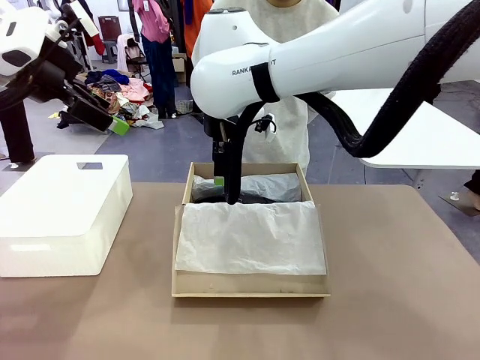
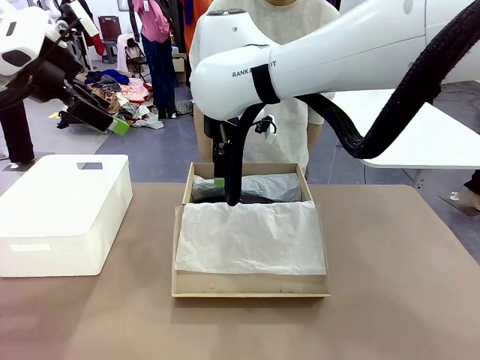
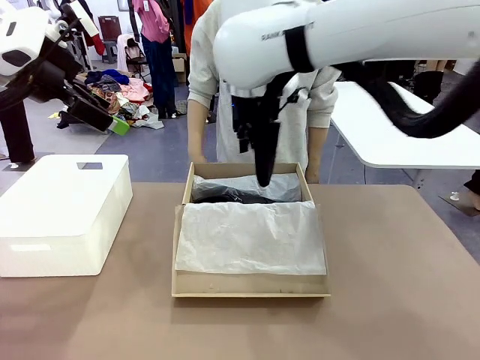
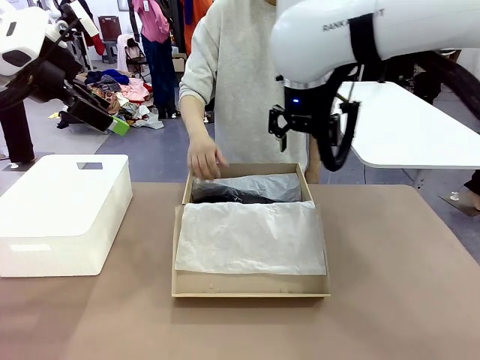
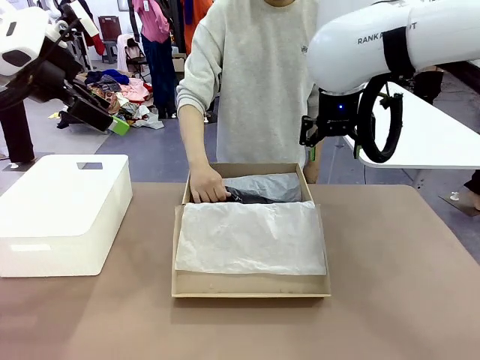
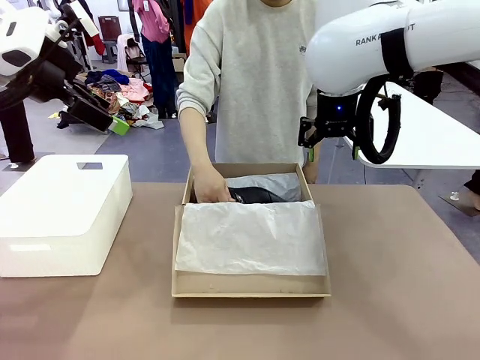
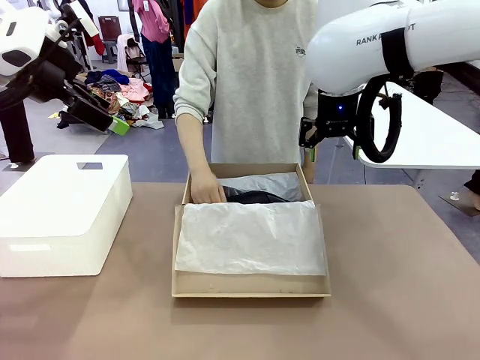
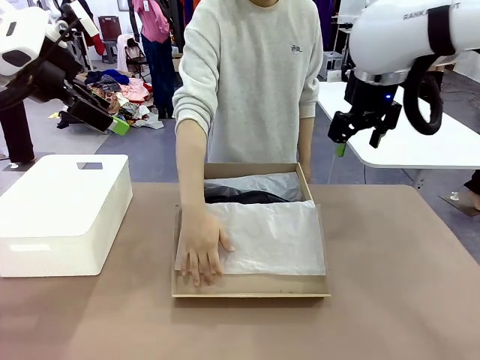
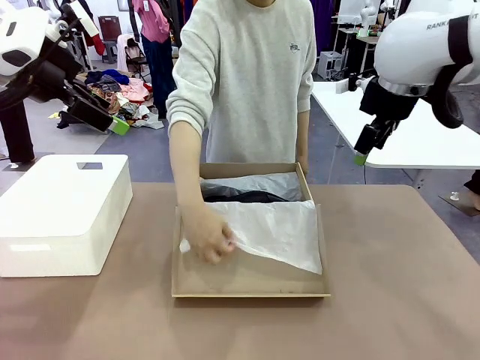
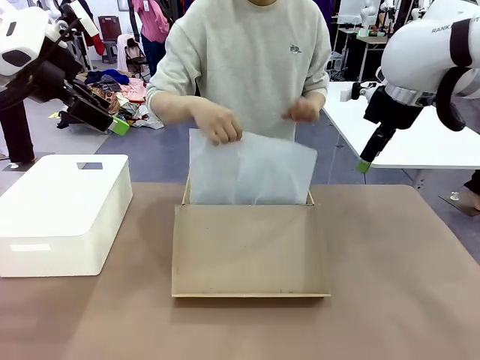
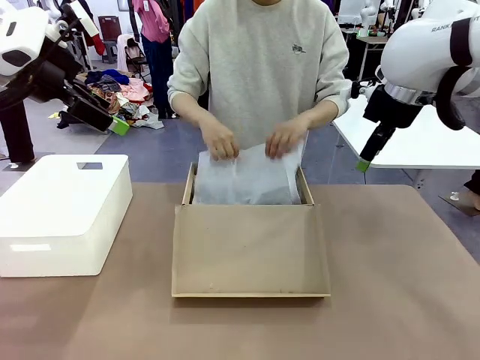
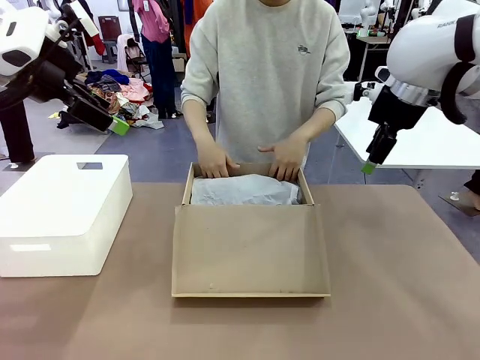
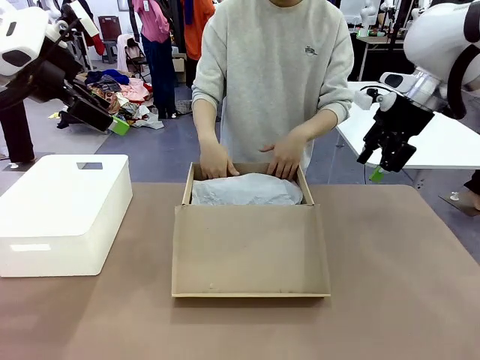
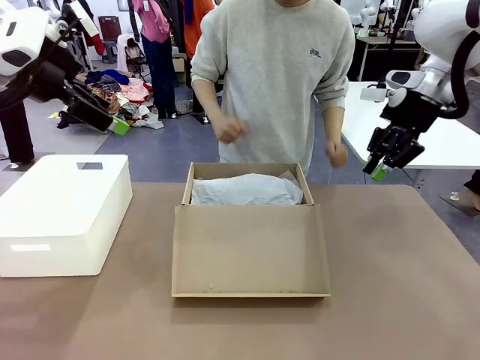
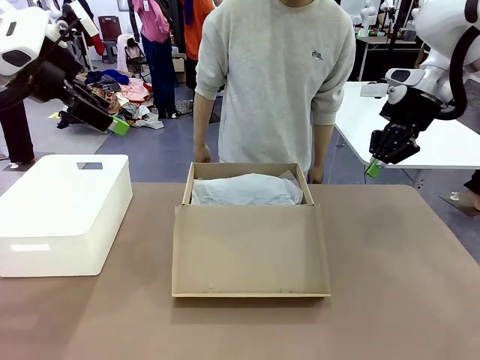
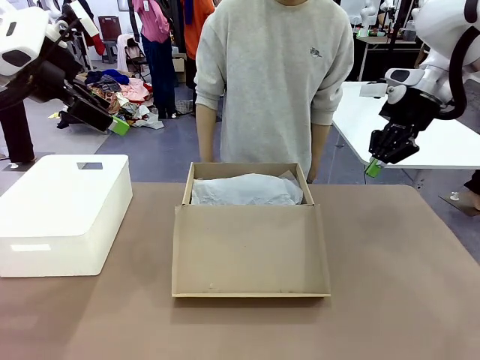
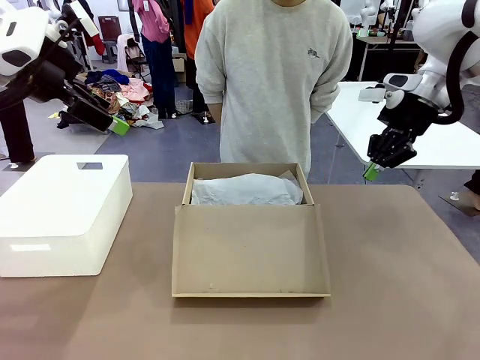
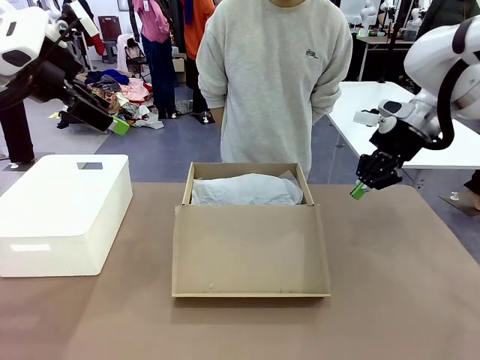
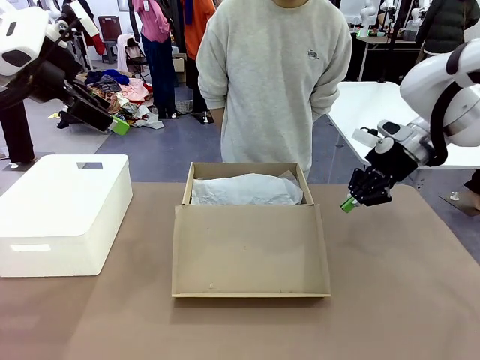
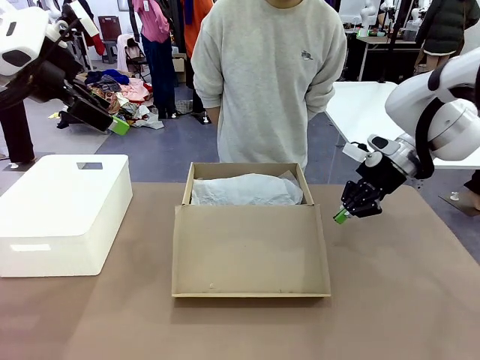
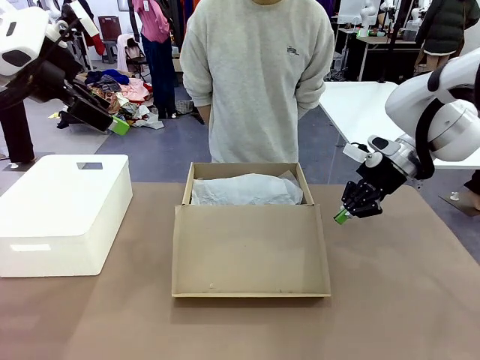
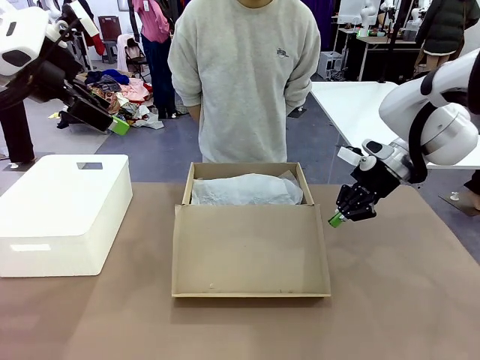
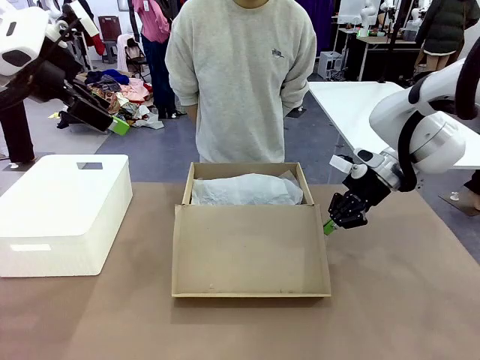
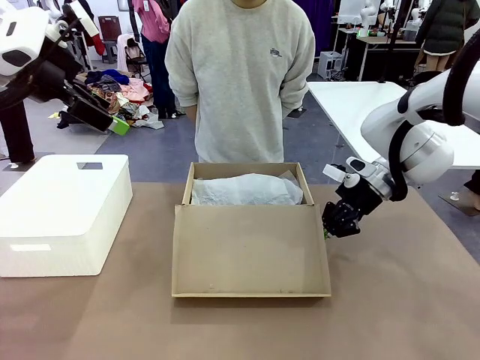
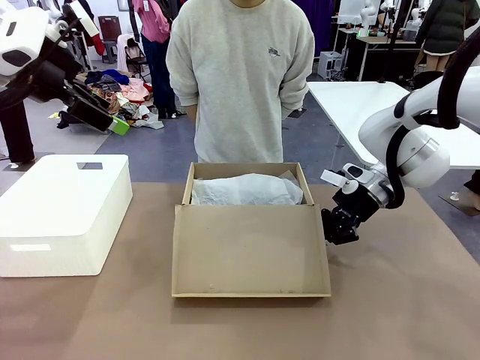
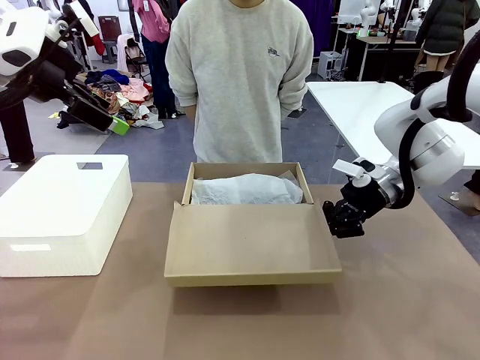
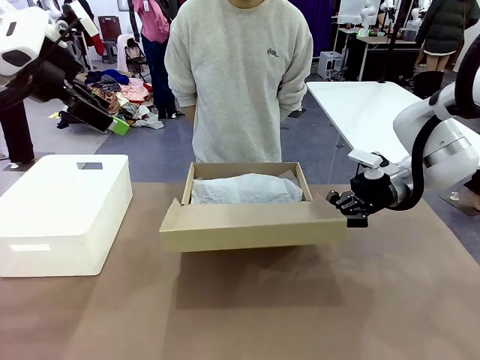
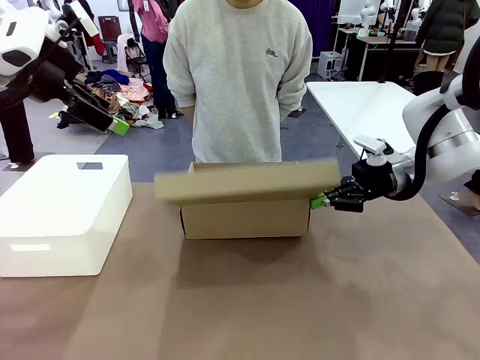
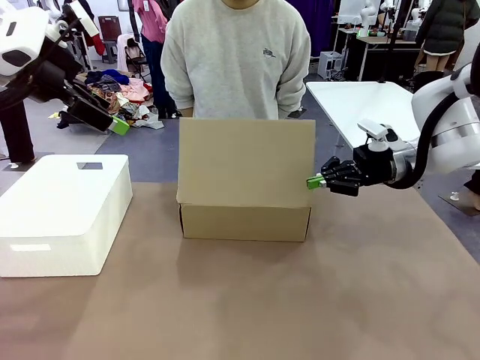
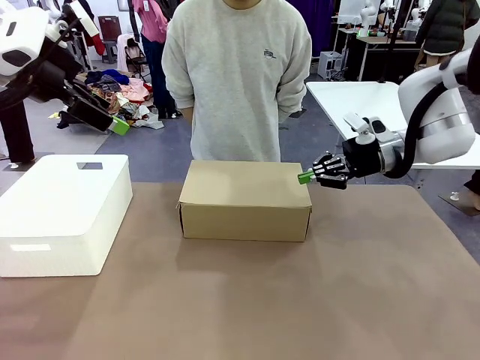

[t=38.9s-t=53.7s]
Task: Pack the shoes into the box.
Robot: Close the Shoes Box.

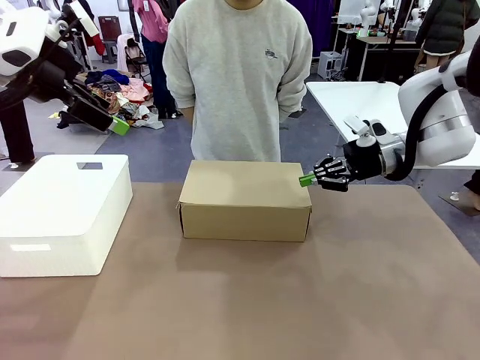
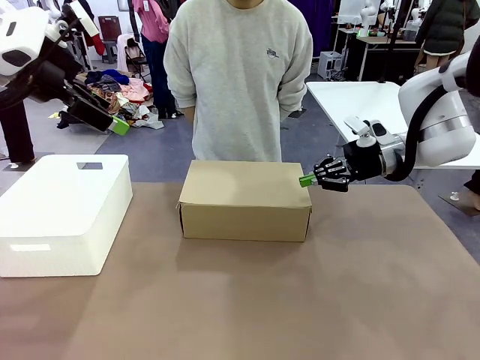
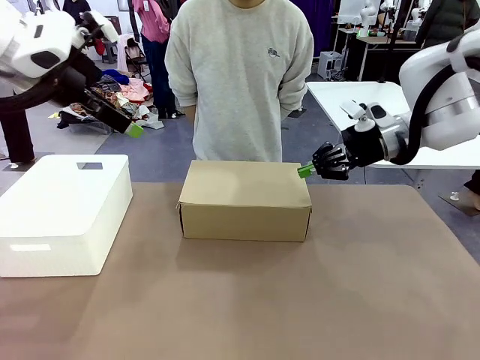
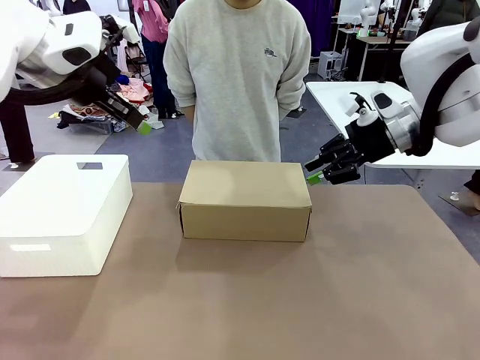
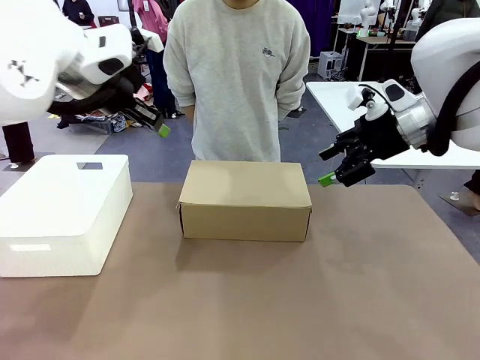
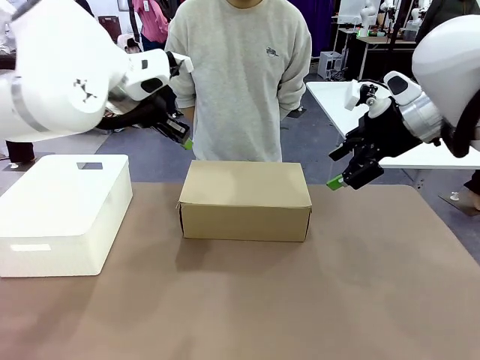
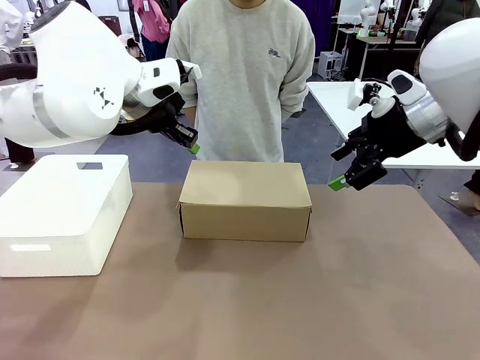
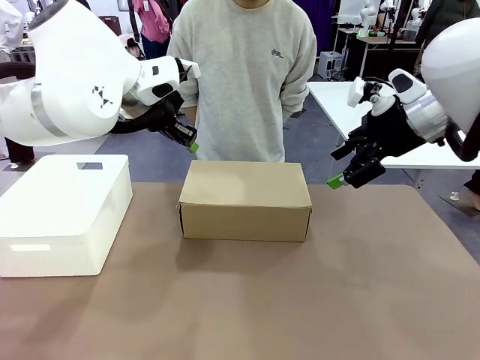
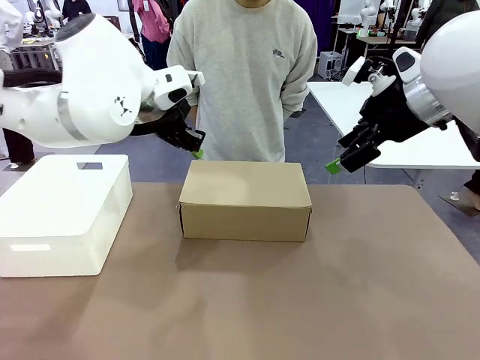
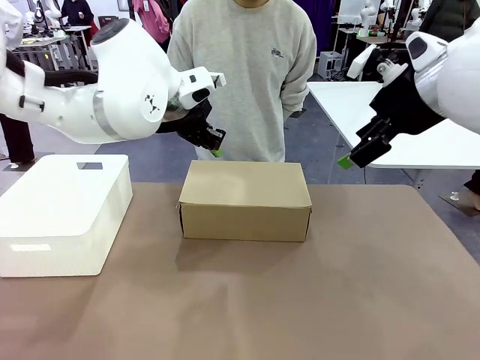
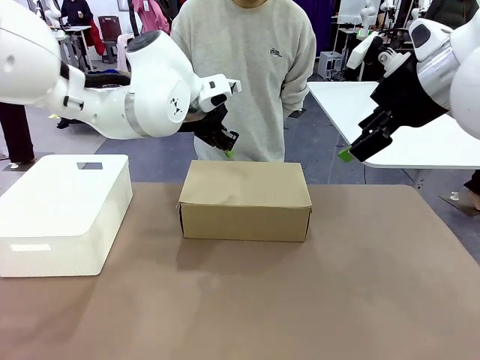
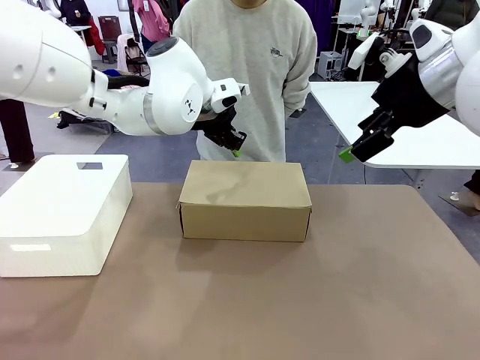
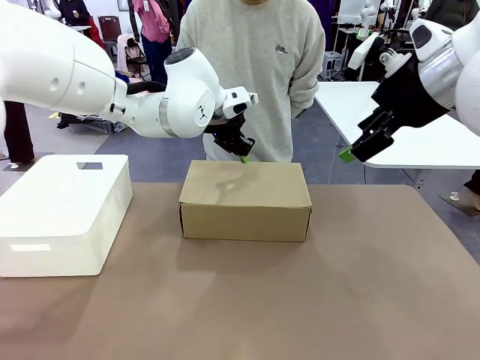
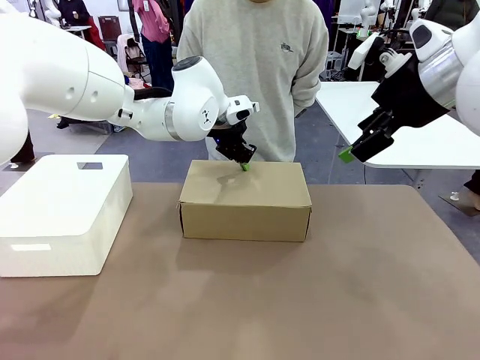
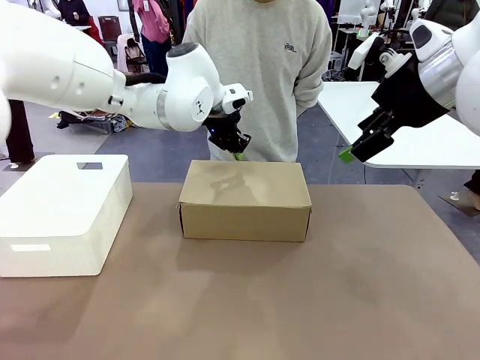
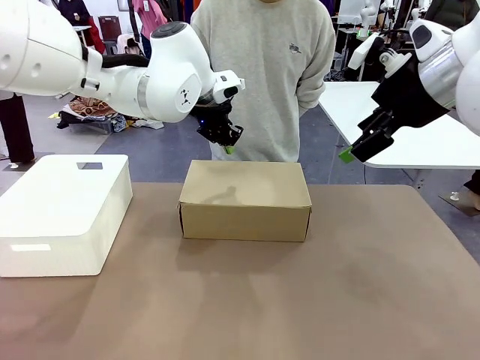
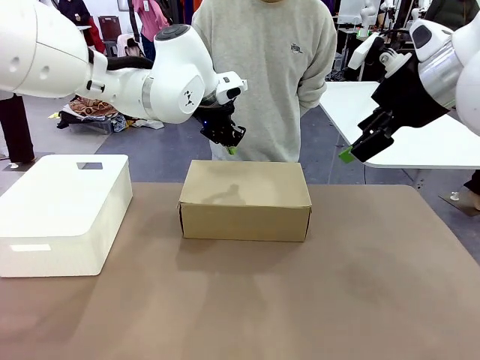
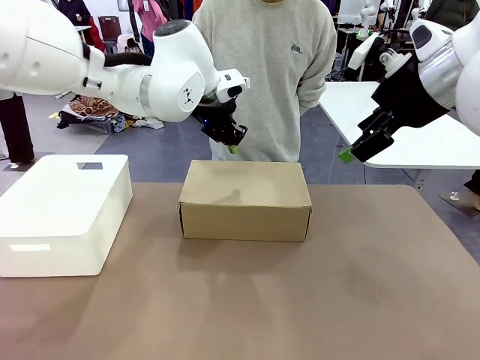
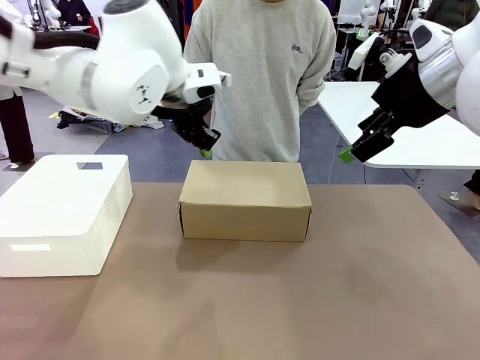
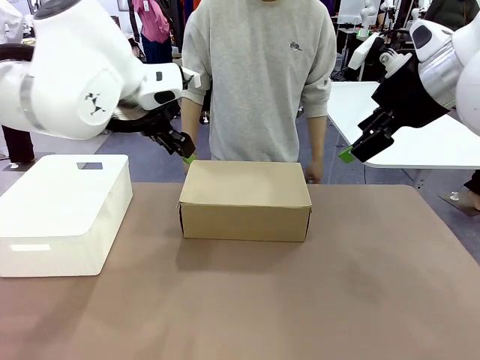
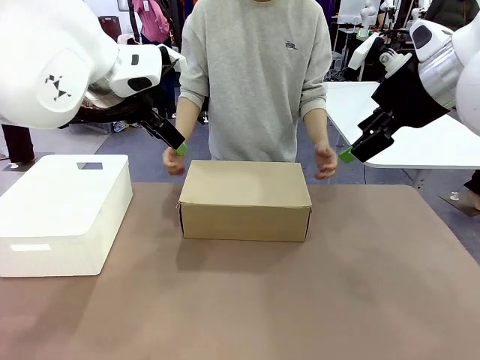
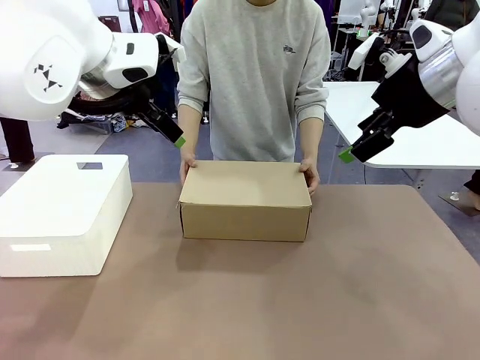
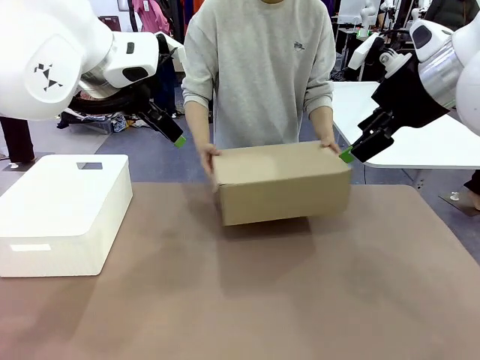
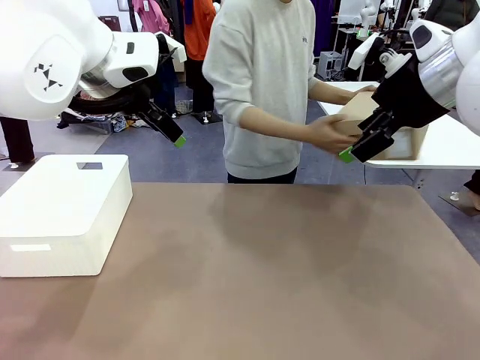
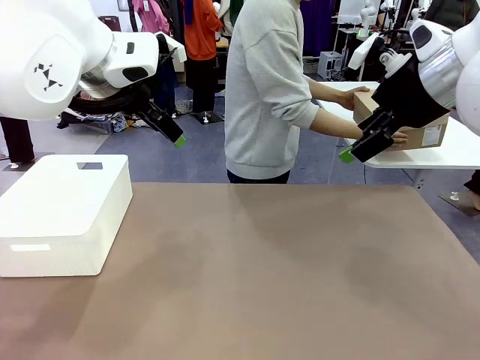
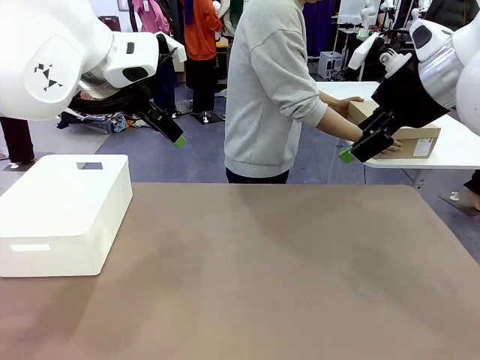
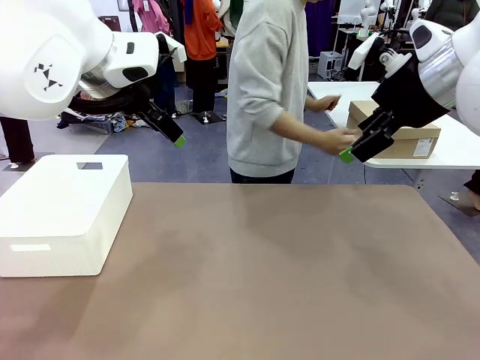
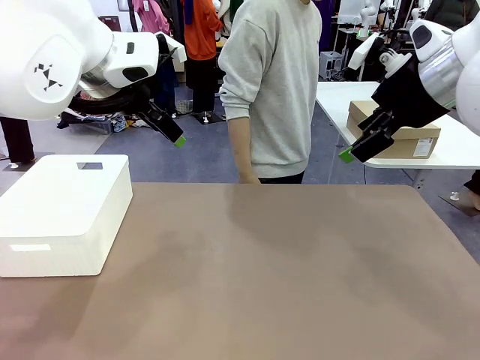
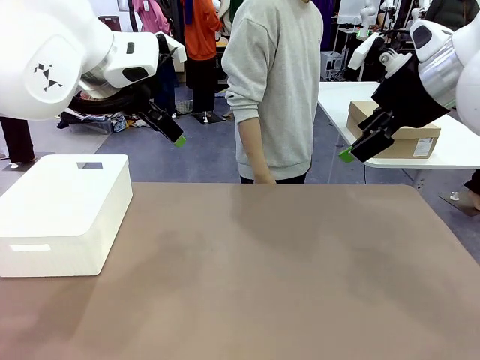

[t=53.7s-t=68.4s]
Robot: Press down on the lid of the Shoes Box.
Person: Place the closed Shoes Box to the right side of the human table.
